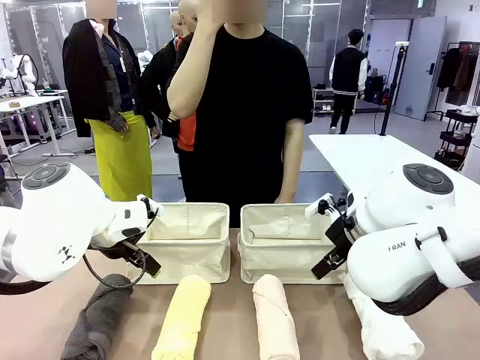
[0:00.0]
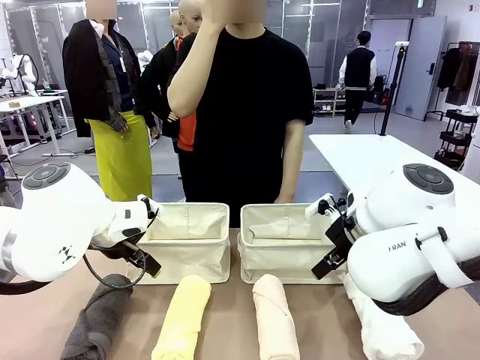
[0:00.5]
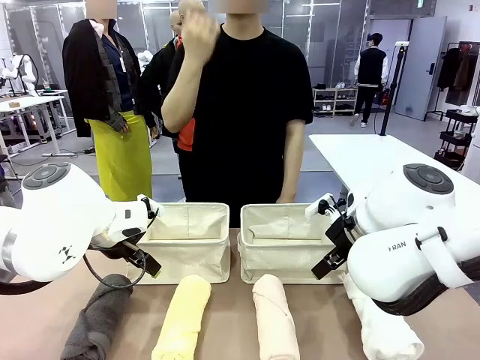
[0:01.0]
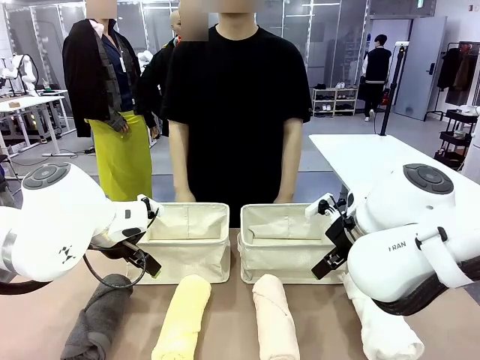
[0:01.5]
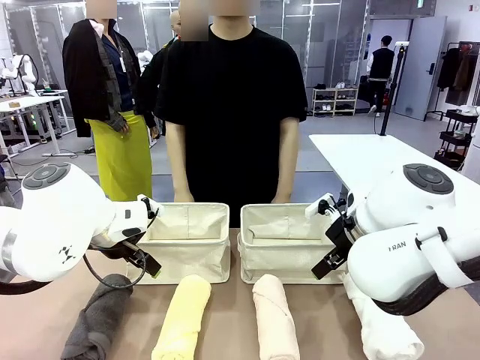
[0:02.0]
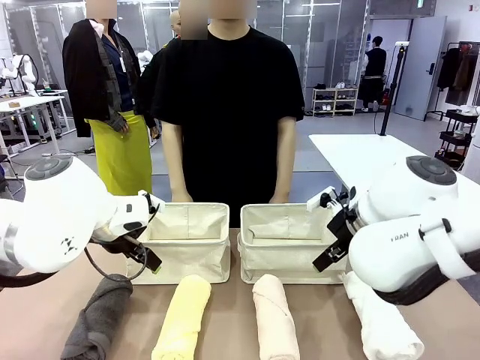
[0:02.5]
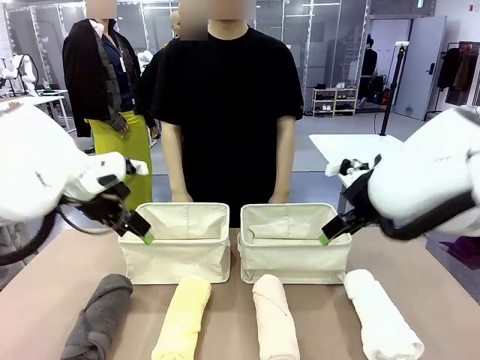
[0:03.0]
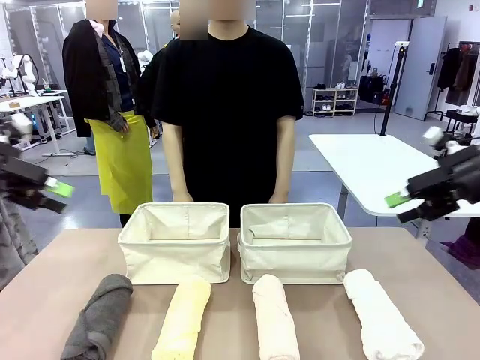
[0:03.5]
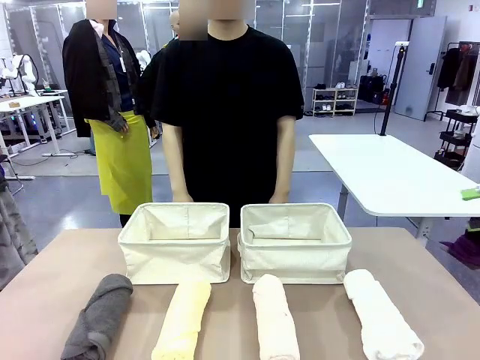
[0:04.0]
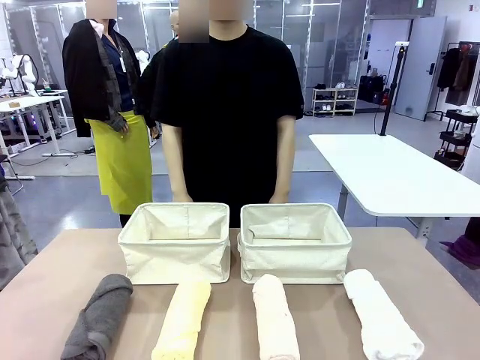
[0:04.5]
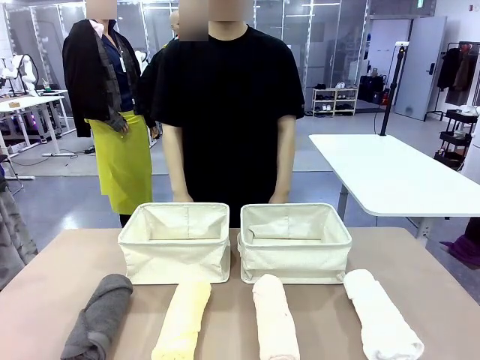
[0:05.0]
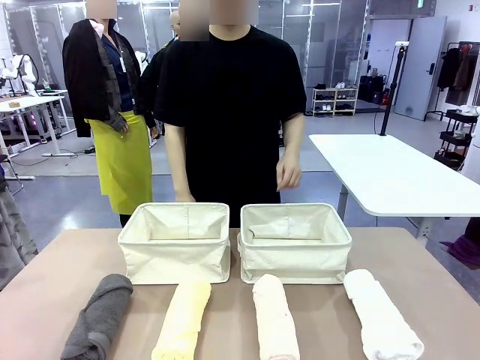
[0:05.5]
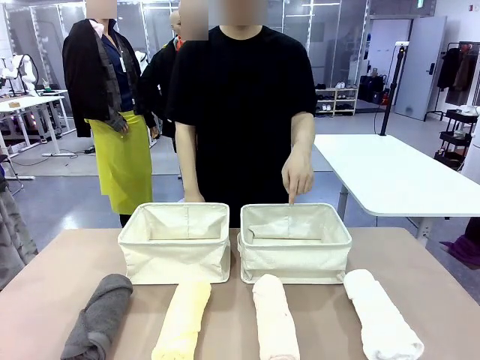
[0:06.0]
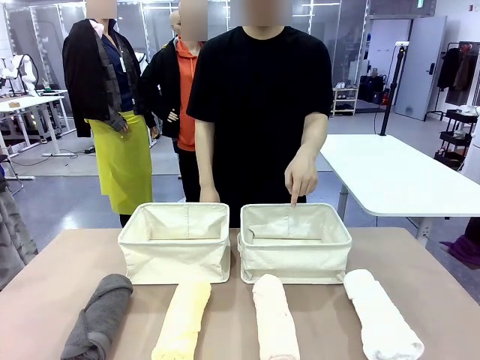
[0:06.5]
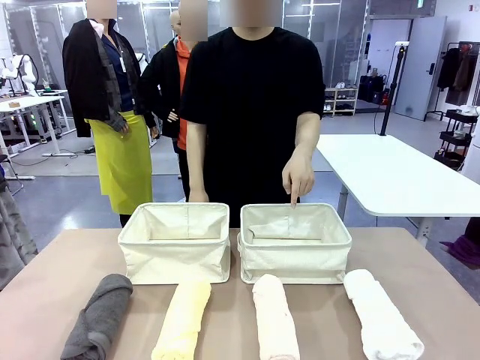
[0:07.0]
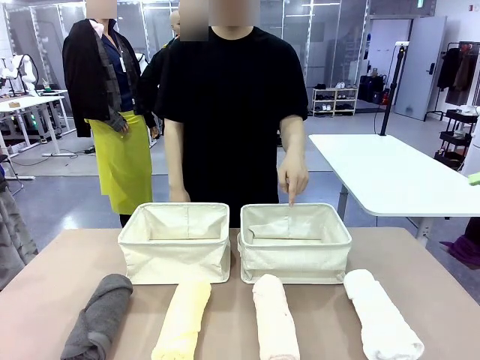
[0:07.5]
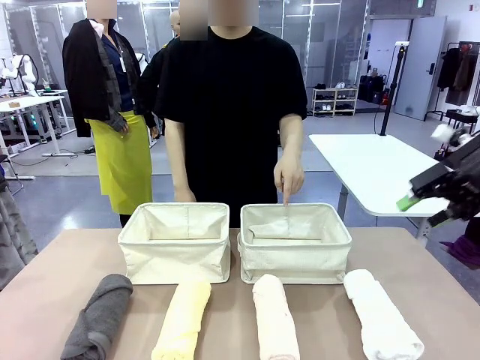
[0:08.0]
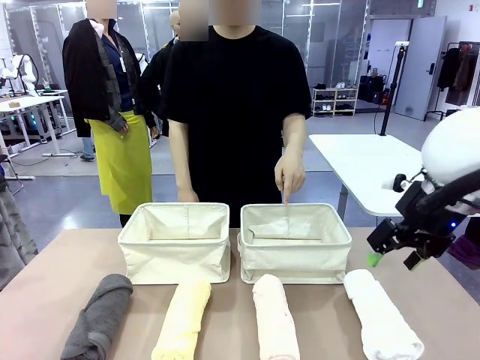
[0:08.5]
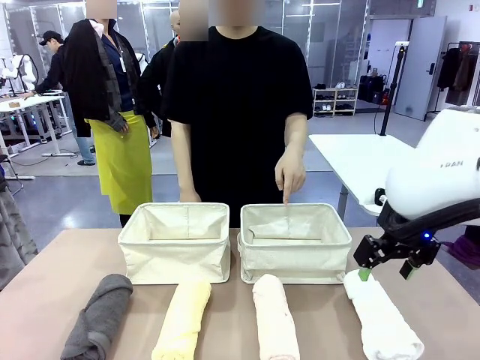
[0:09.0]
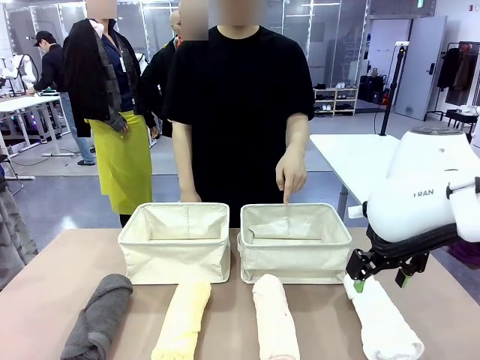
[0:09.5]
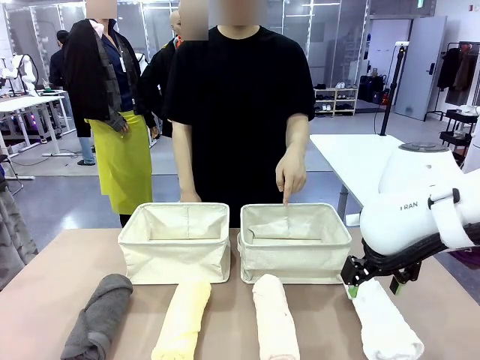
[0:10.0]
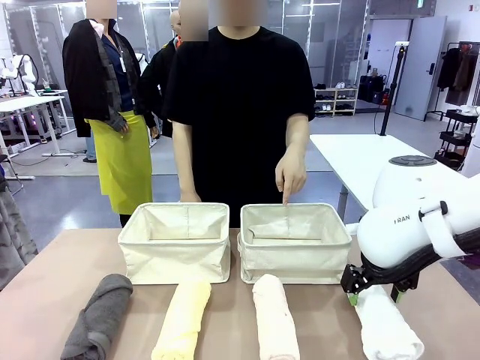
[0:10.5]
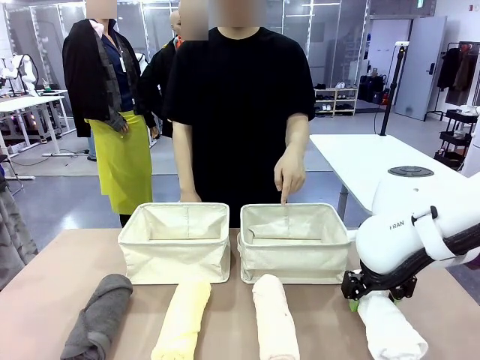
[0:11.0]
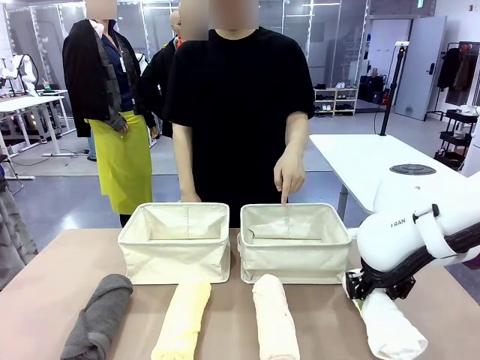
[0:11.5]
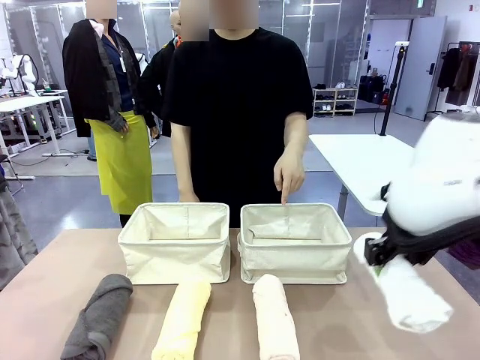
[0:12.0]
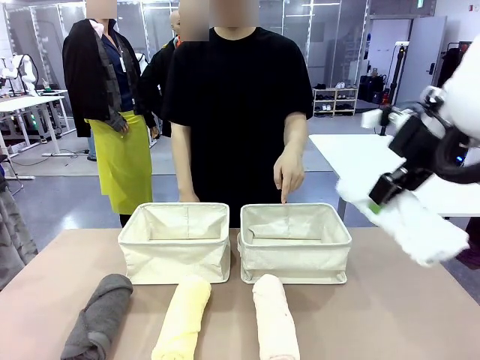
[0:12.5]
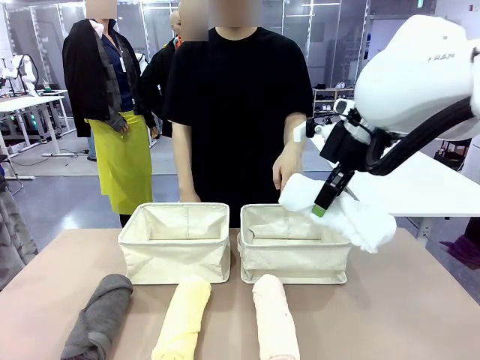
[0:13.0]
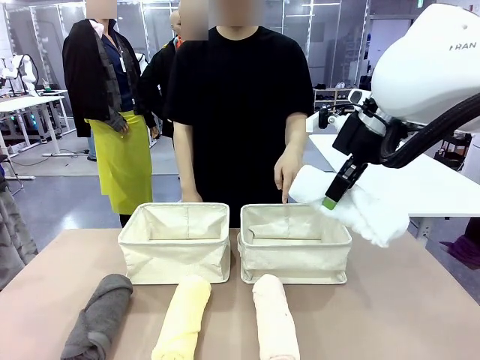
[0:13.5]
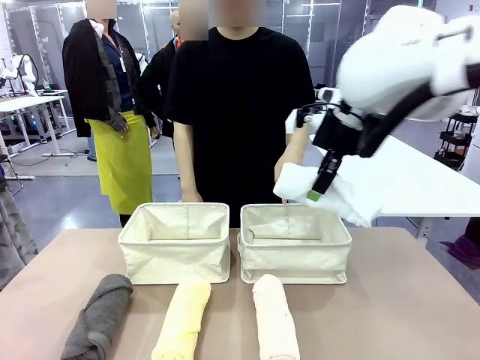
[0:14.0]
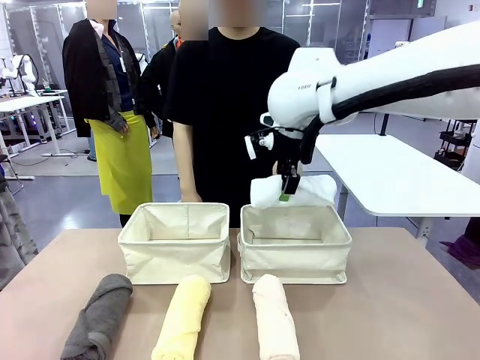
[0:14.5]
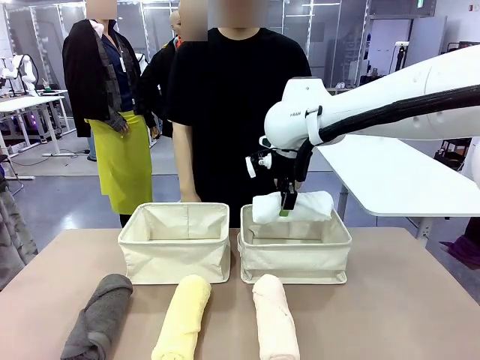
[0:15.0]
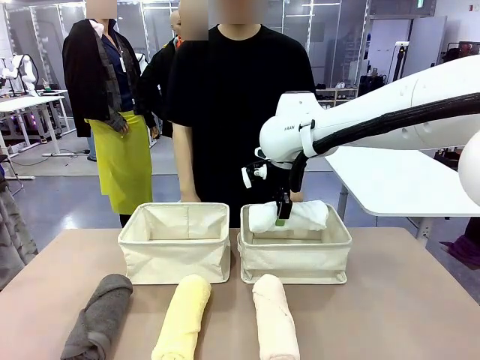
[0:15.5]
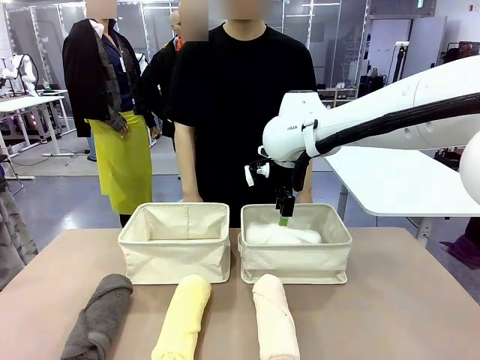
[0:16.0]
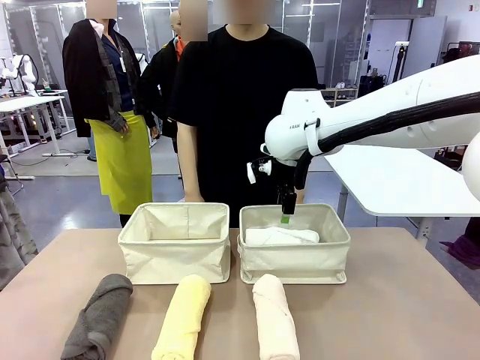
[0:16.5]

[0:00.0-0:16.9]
Task: Divide the towels into two baskets.
Robot: Pick up one hotel-folded towel and place it in the Fabric basket indicated by the person.
